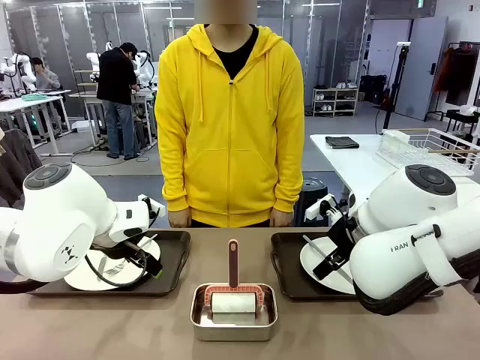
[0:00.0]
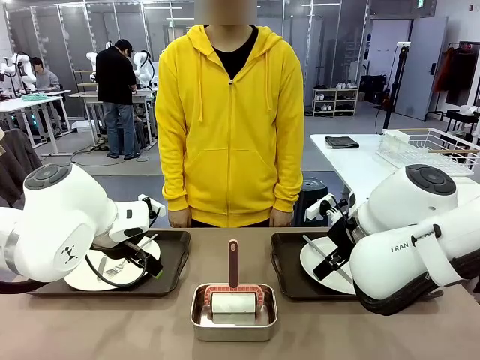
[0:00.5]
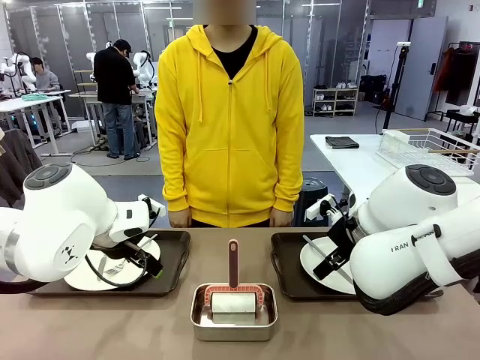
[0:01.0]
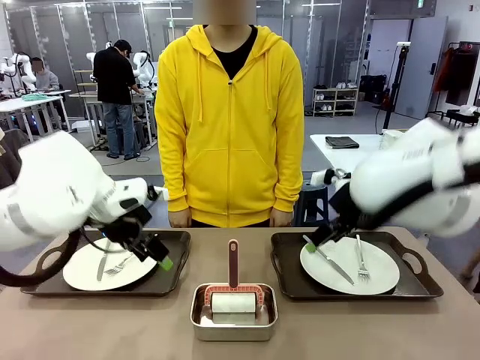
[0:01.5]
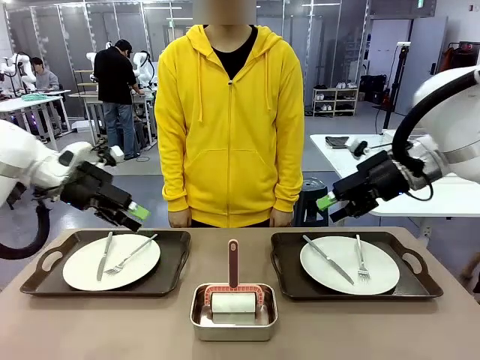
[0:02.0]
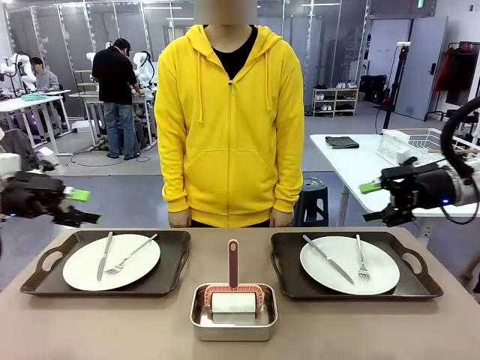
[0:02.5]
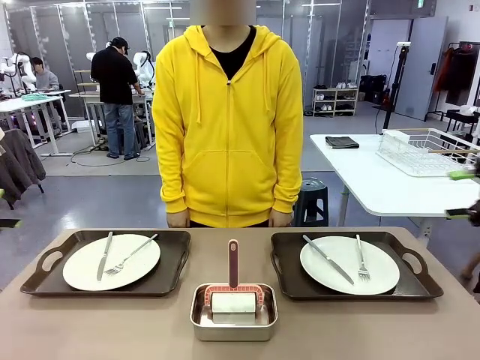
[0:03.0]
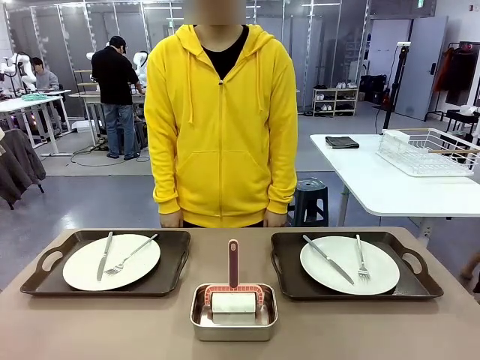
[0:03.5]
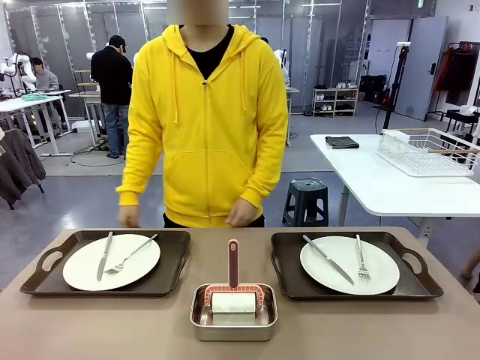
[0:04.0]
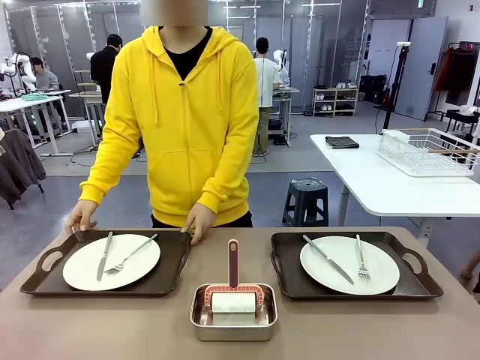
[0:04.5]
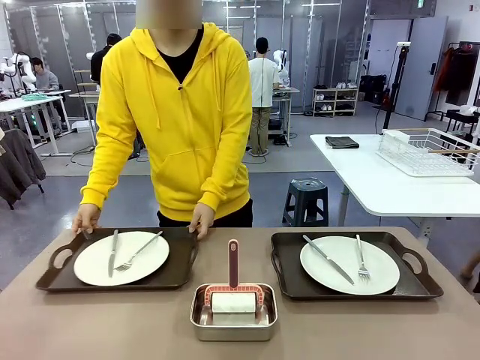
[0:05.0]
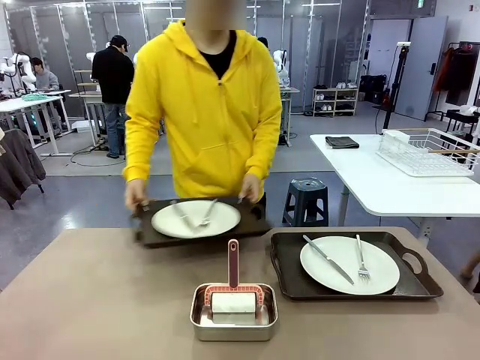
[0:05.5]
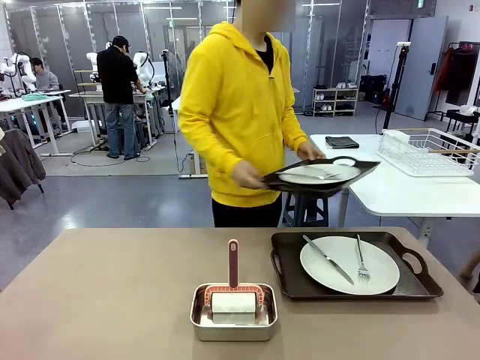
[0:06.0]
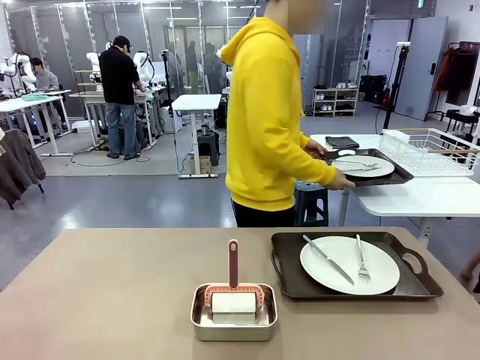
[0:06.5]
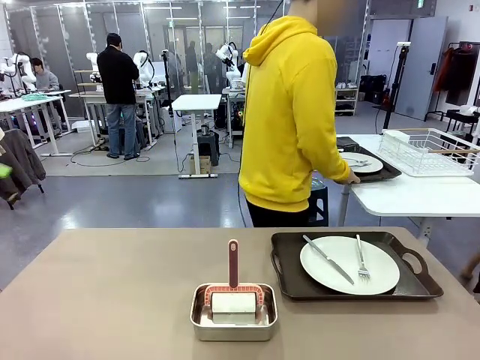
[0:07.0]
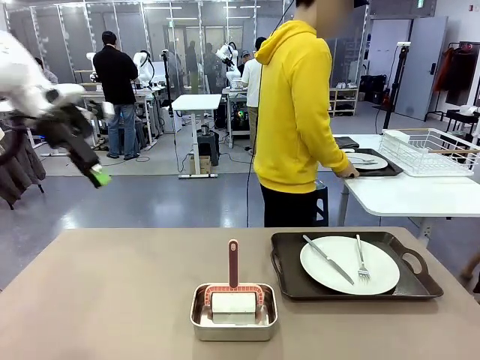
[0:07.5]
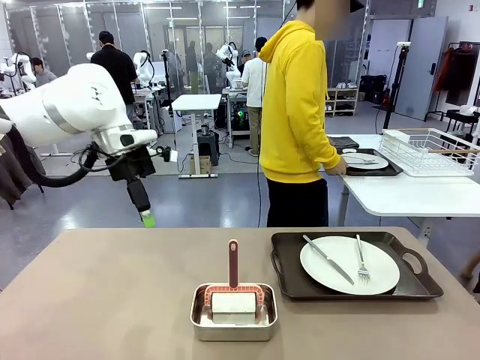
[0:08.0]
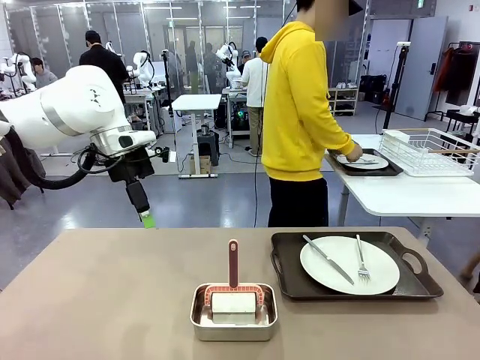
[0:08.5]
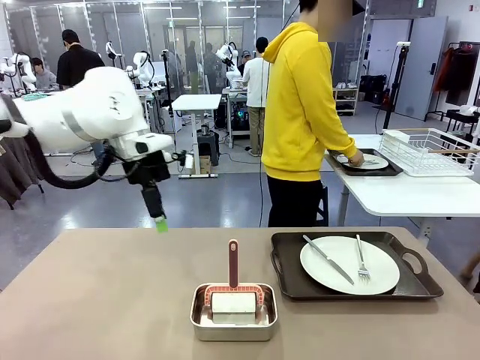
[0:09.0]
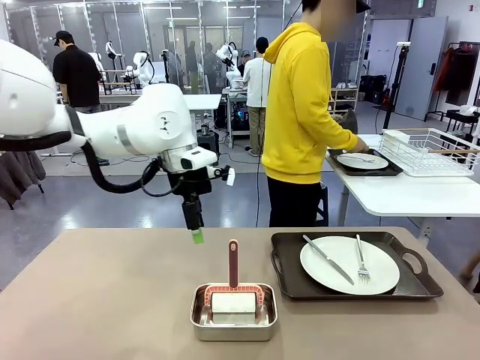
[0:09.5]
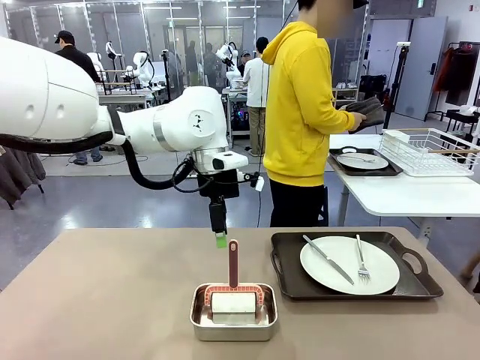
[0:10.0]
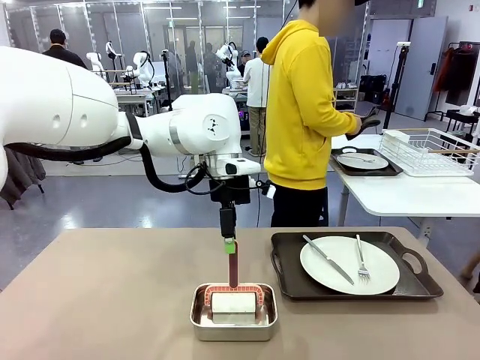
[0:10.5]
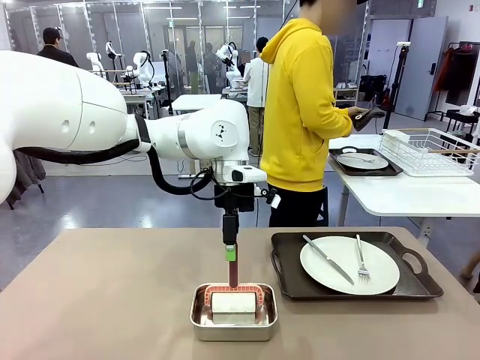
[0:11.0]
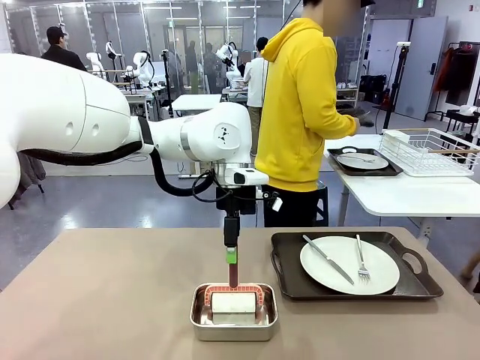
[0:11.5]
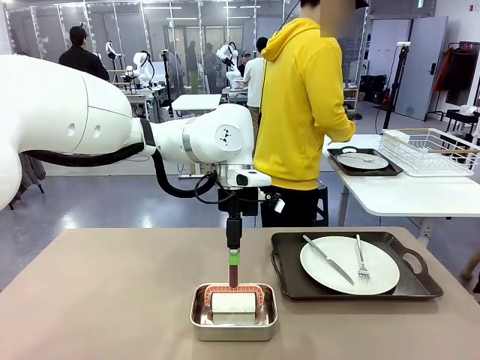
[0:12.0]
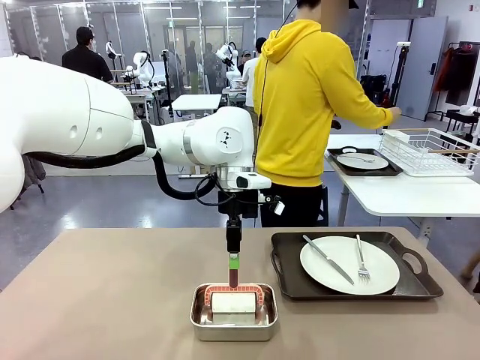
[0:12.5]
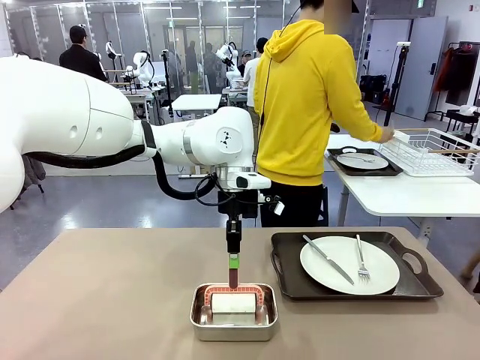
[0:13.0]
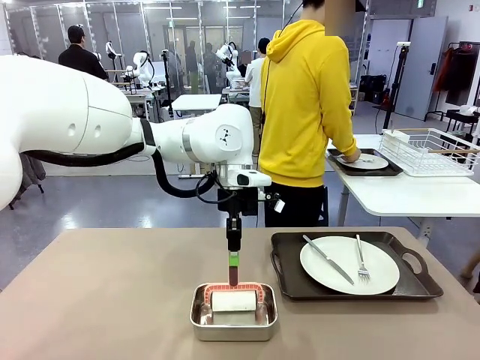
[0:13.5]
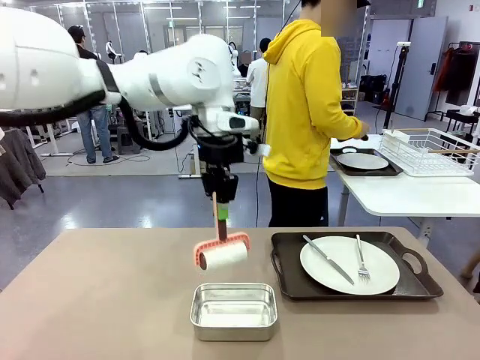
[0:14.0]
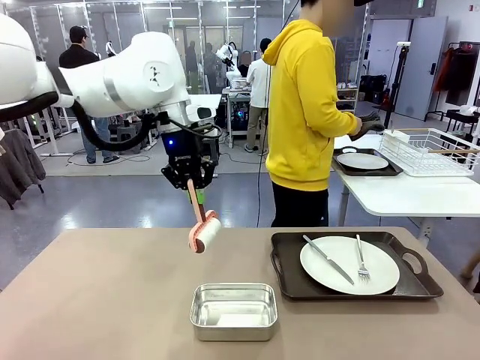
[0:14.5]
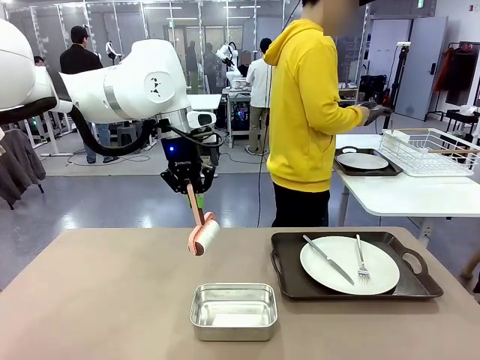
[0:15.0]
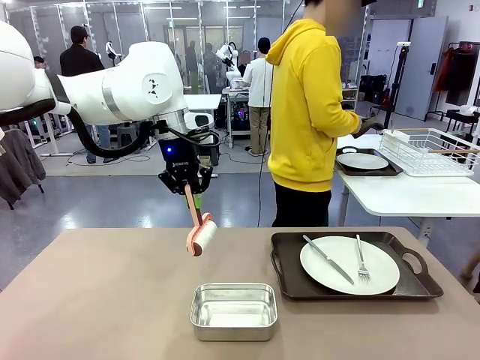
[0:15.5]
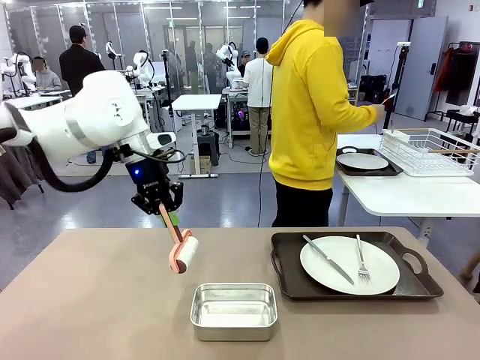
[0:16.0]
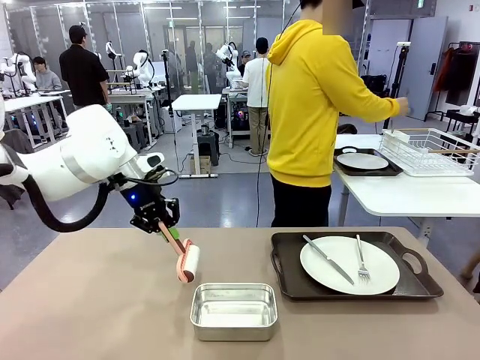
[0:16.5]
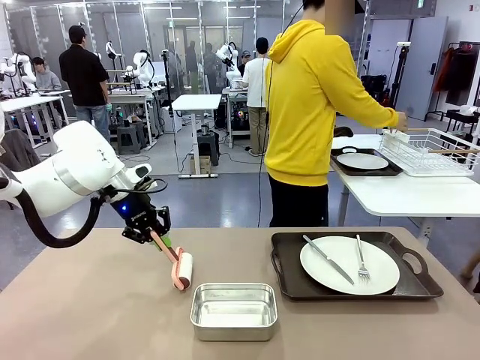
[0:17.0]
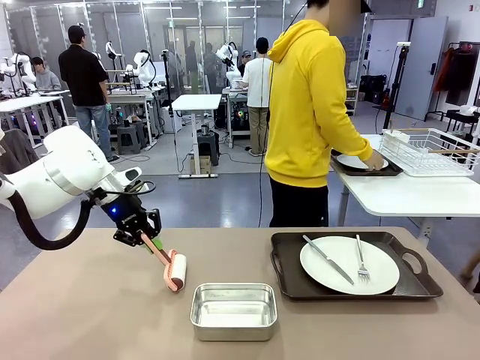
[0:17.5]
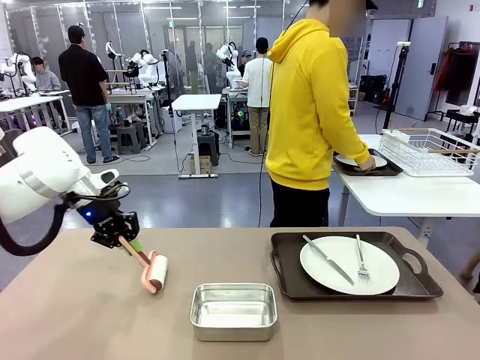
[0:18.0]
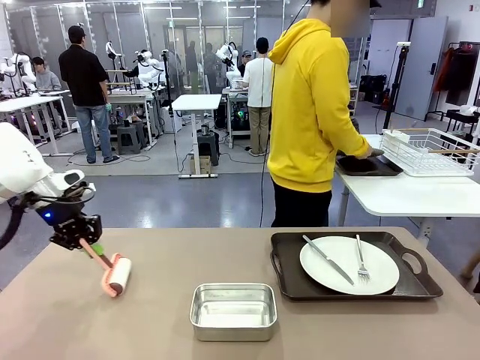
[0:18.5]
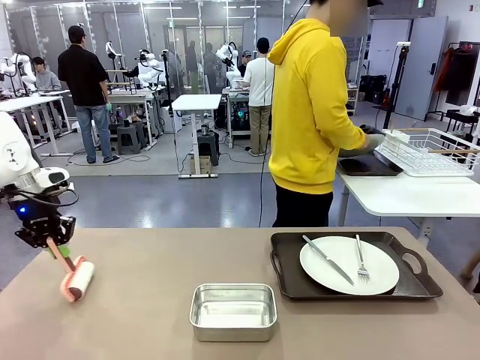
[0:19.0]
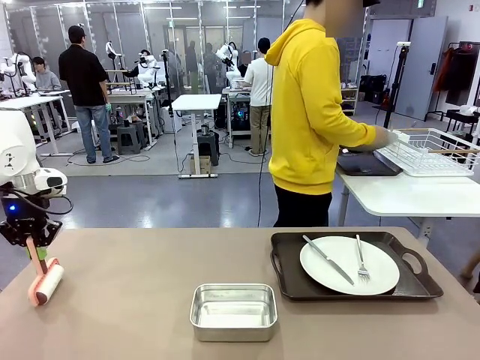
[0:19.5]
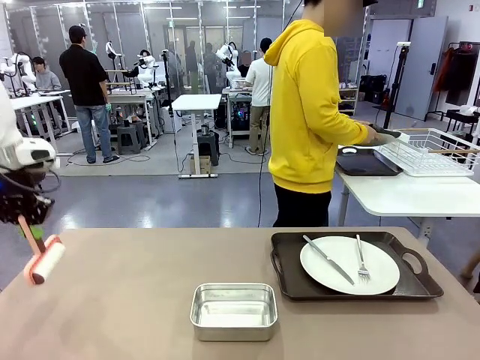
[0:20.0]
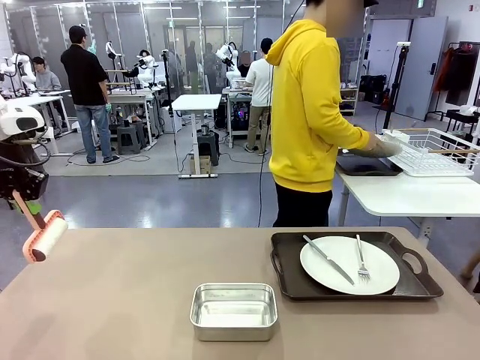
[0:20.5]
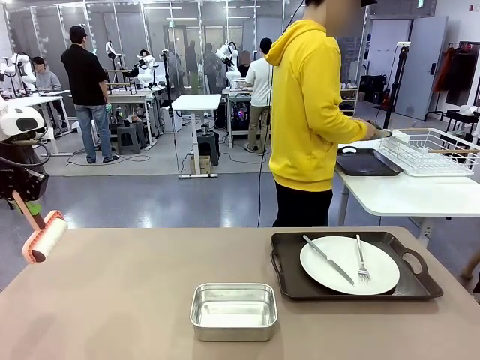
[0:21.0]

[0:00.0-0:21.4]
Robot: When the left (or right) Handle tray is removed, use the left hand (or right hand) to clean the left (or right) side of the table with the Lint Roller.
Person: Pick up the left (or right) Handle tray and place it on the middle of the Human's table. Use the Towel with hook to wipe the Plastic Matte Plate , Fork , and Knife and place into the Dish drying rack.

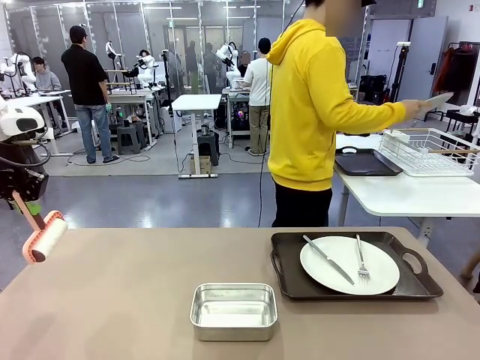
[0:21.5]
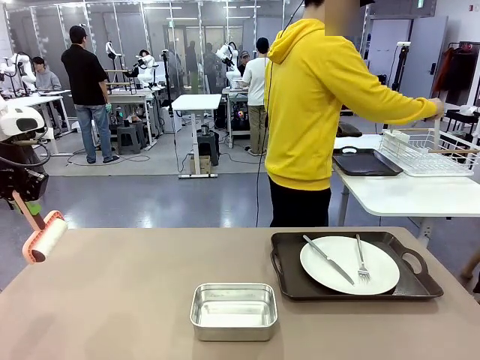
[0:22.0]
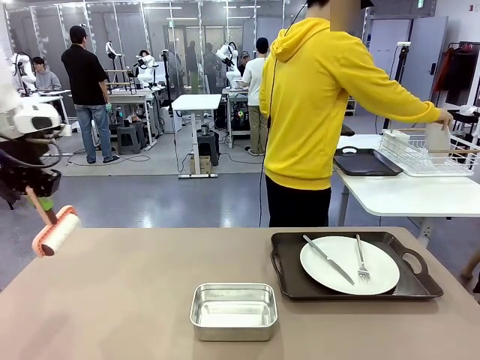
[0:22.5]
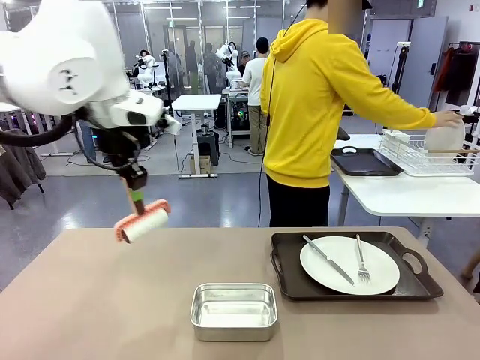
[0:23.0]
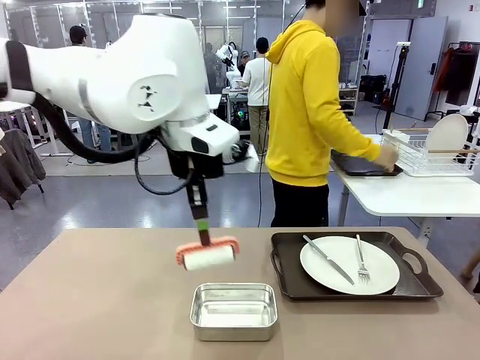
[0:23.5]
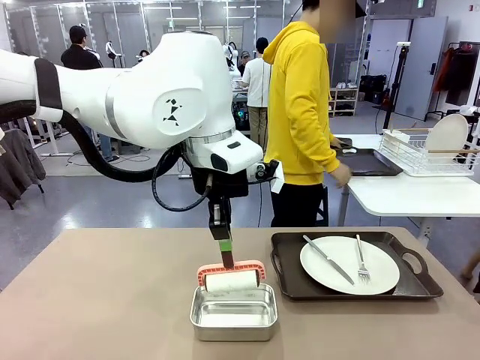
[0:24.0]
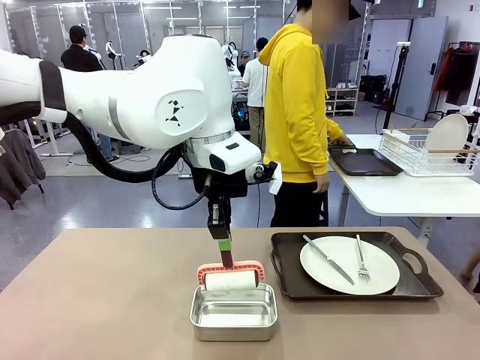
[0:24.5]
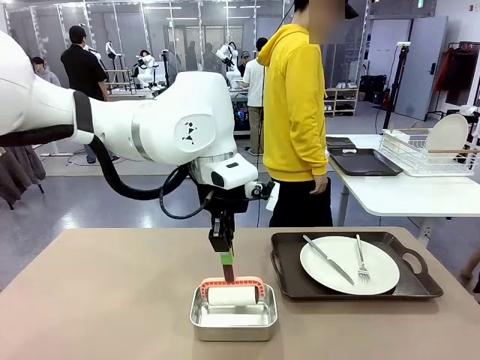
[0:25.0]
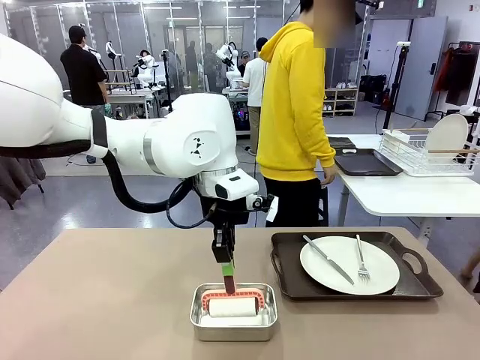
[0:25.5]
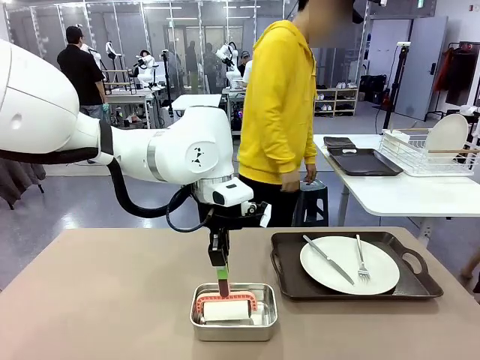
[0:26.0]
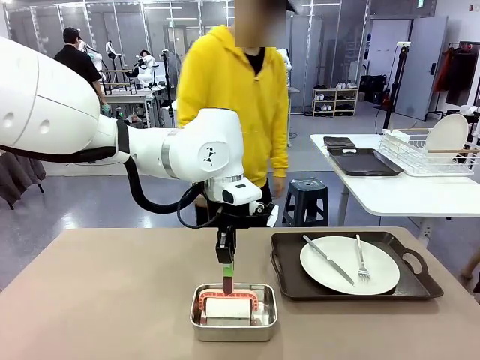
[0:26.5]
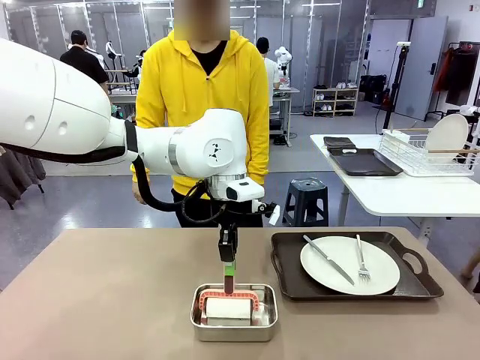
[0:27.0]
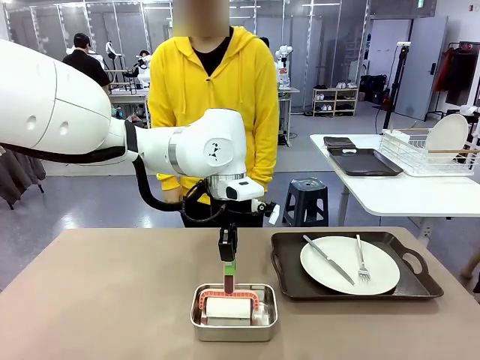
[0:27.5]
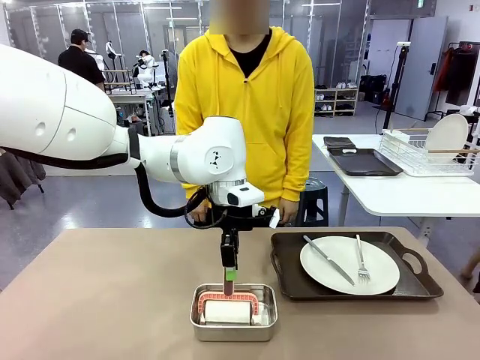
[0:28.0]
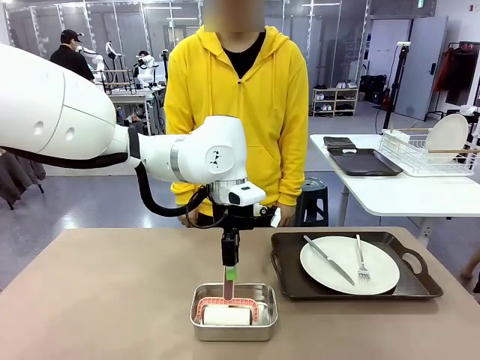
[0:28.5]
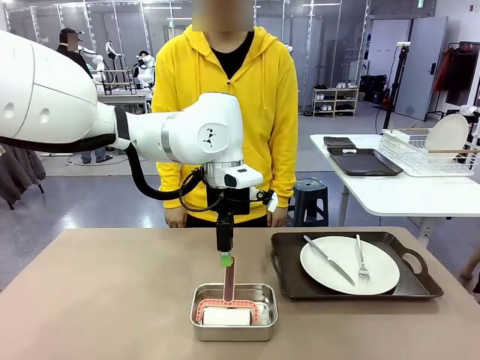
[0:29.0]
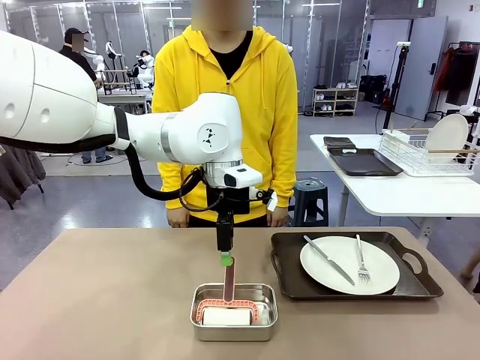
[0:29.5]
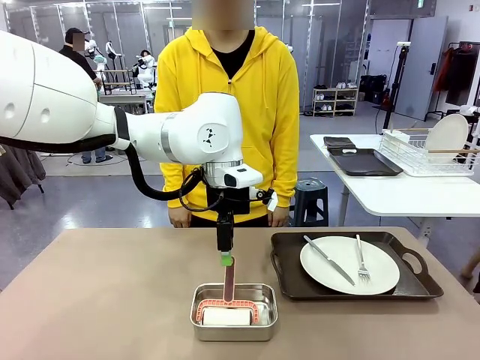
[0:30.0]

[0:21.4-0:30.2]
Robot: Place the Lint Roller back on top of the Airtight Container.
